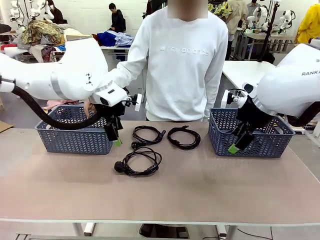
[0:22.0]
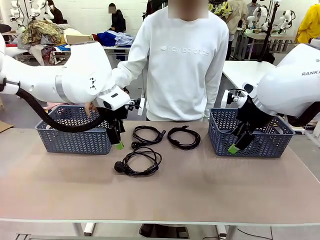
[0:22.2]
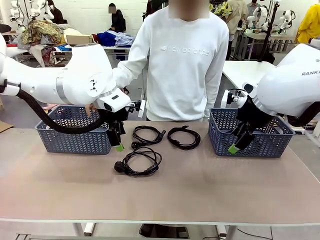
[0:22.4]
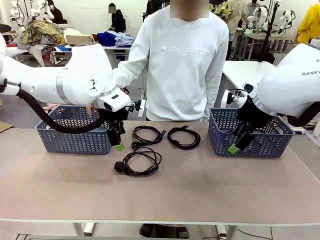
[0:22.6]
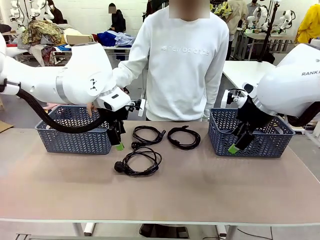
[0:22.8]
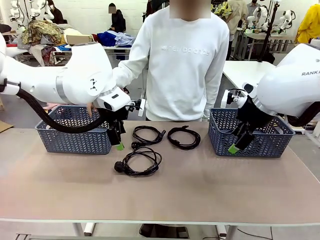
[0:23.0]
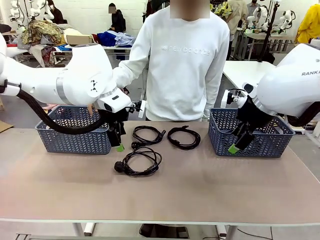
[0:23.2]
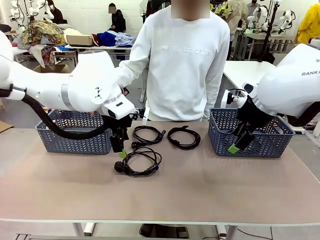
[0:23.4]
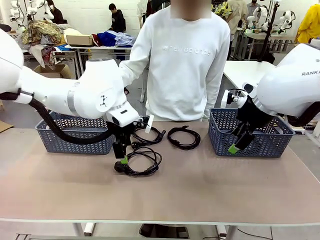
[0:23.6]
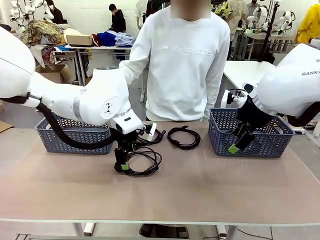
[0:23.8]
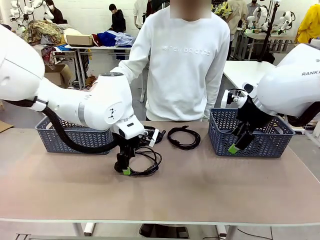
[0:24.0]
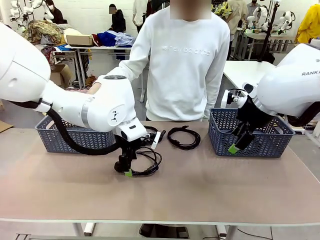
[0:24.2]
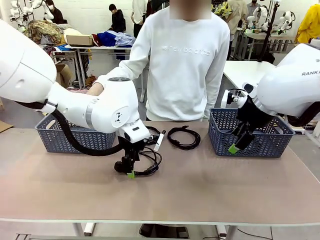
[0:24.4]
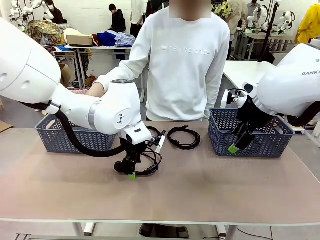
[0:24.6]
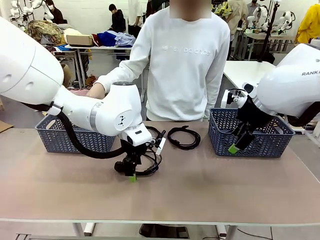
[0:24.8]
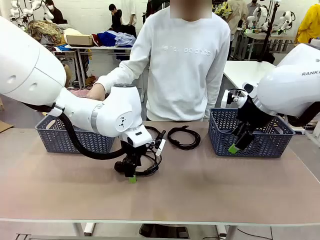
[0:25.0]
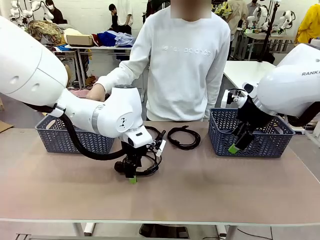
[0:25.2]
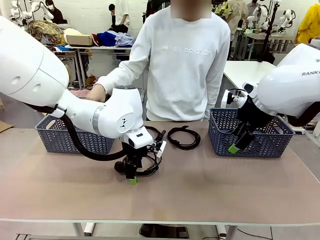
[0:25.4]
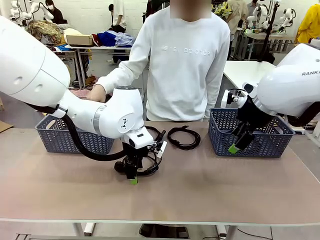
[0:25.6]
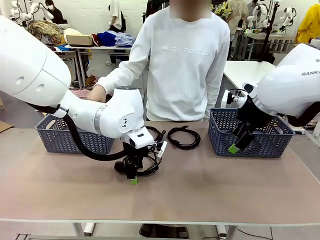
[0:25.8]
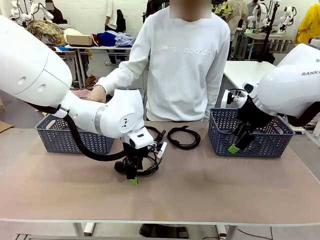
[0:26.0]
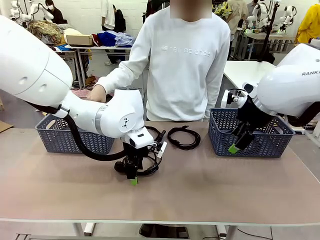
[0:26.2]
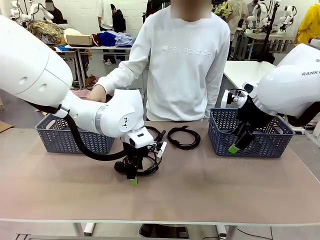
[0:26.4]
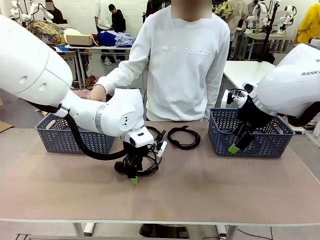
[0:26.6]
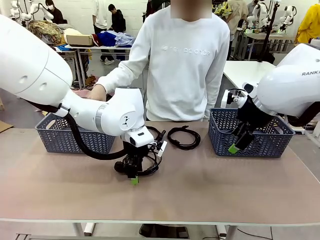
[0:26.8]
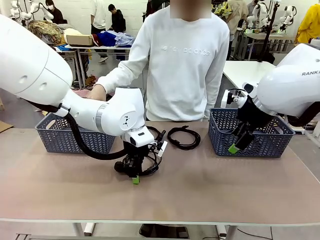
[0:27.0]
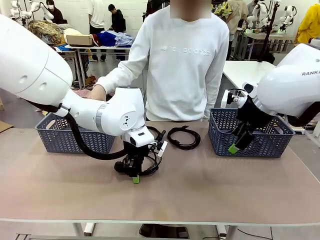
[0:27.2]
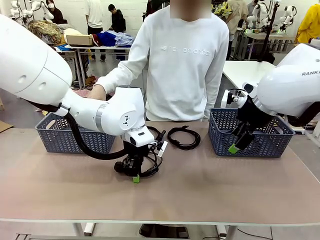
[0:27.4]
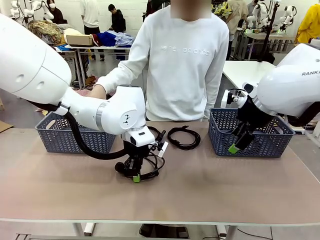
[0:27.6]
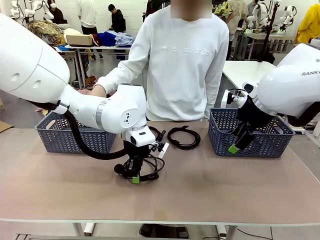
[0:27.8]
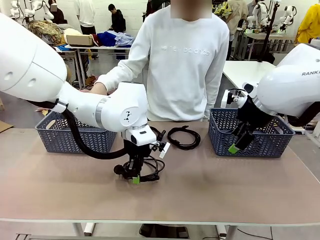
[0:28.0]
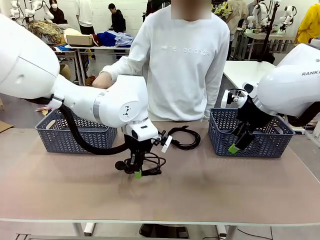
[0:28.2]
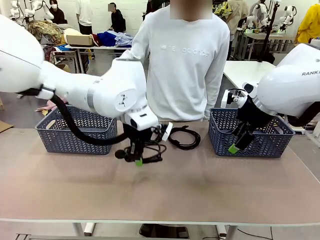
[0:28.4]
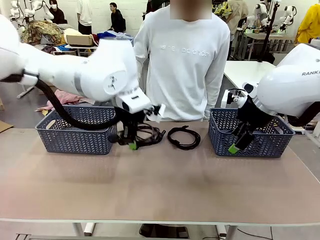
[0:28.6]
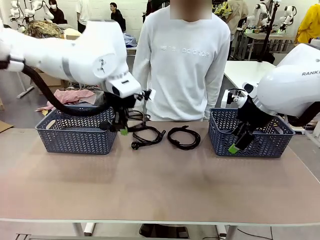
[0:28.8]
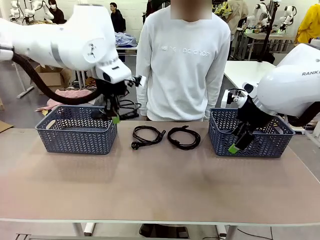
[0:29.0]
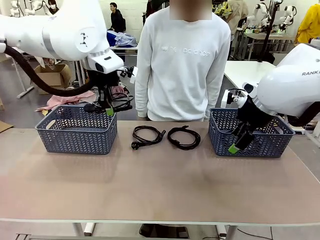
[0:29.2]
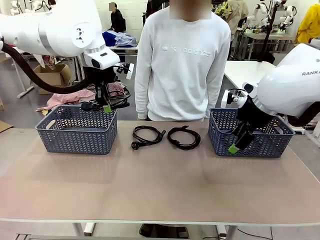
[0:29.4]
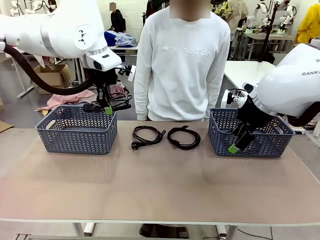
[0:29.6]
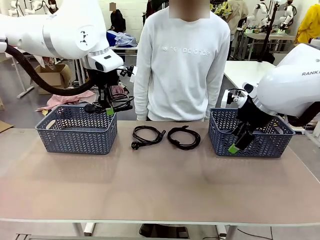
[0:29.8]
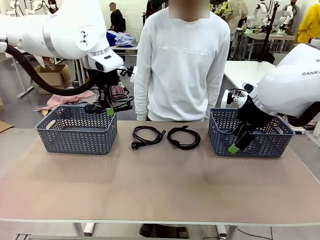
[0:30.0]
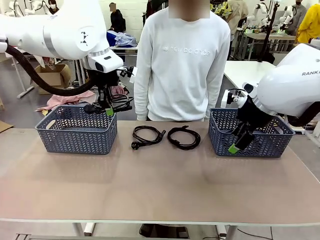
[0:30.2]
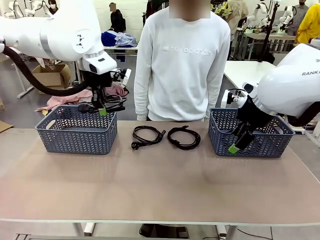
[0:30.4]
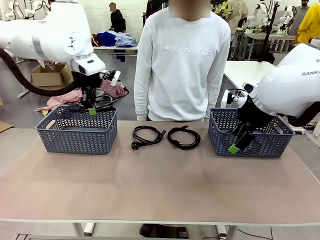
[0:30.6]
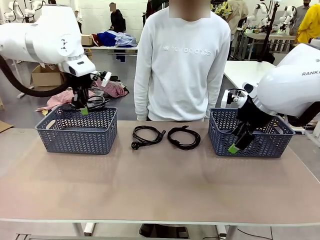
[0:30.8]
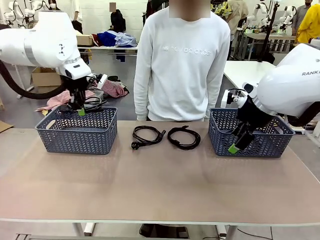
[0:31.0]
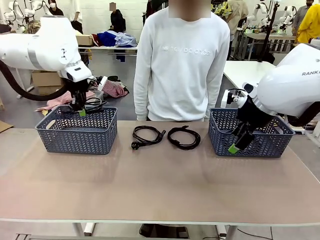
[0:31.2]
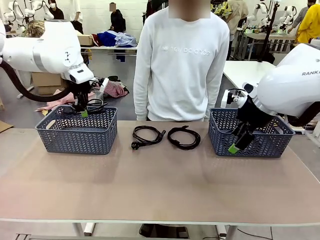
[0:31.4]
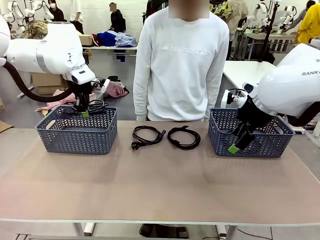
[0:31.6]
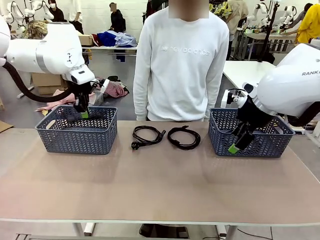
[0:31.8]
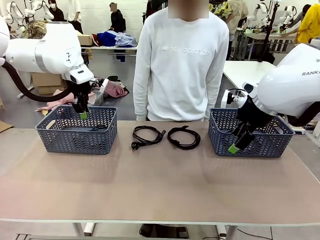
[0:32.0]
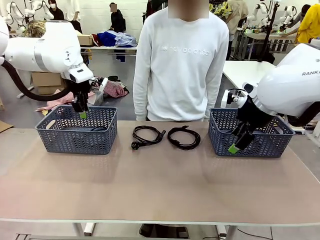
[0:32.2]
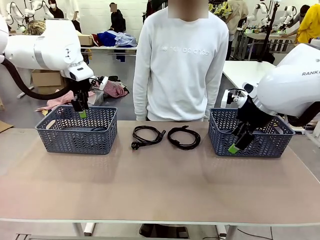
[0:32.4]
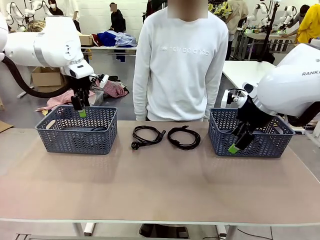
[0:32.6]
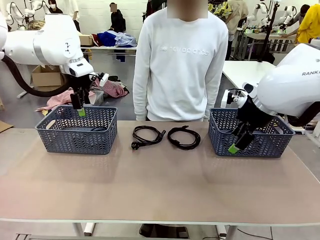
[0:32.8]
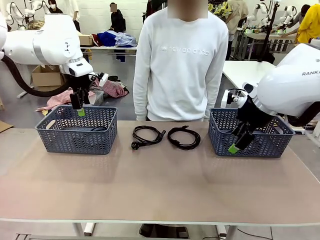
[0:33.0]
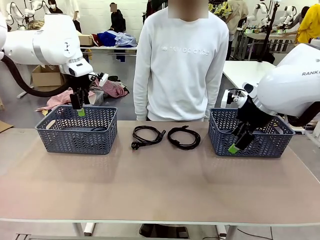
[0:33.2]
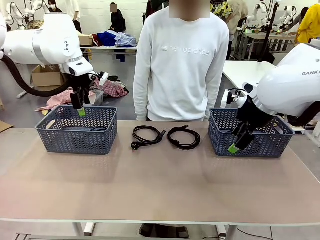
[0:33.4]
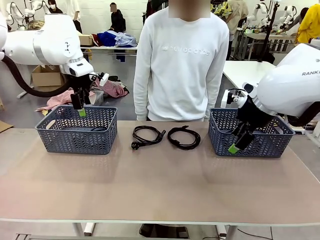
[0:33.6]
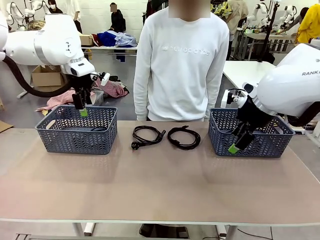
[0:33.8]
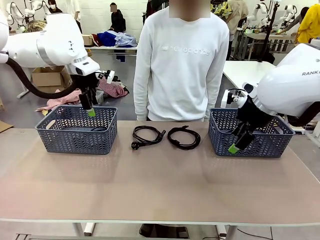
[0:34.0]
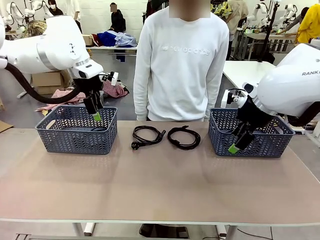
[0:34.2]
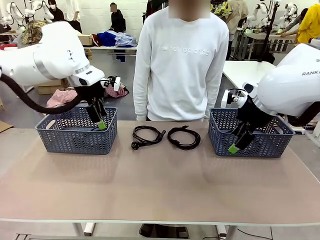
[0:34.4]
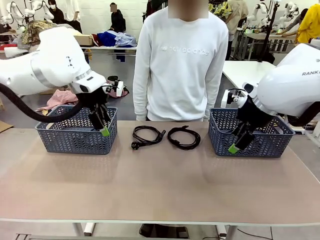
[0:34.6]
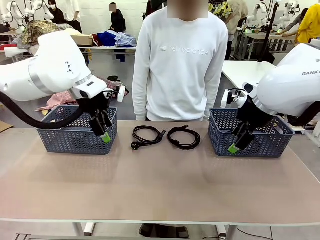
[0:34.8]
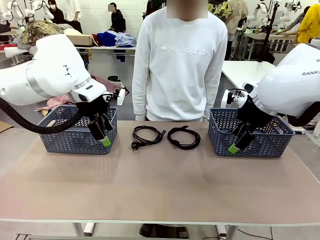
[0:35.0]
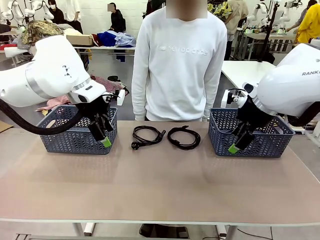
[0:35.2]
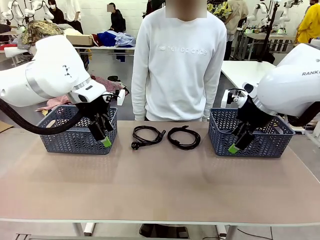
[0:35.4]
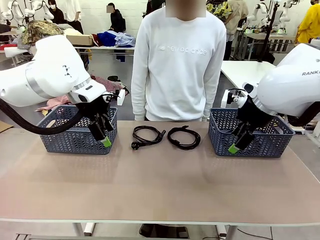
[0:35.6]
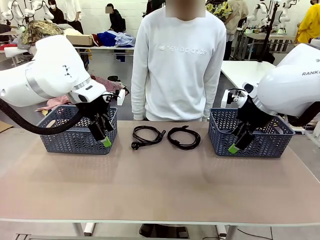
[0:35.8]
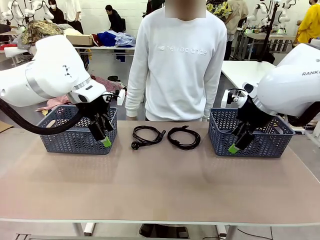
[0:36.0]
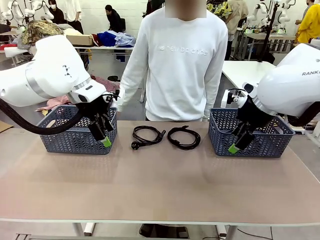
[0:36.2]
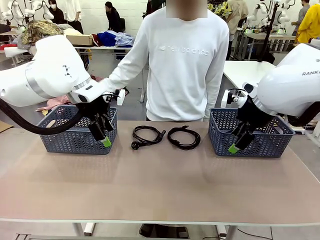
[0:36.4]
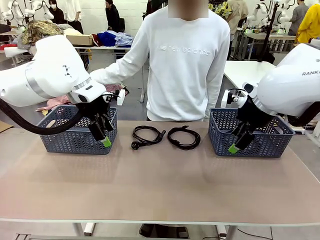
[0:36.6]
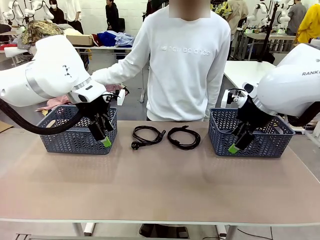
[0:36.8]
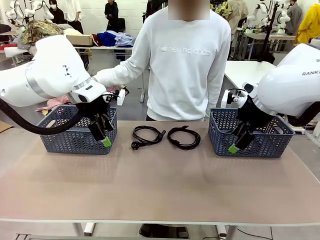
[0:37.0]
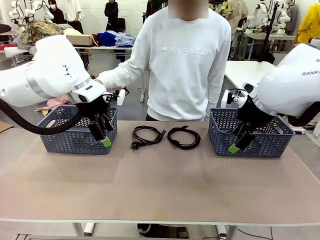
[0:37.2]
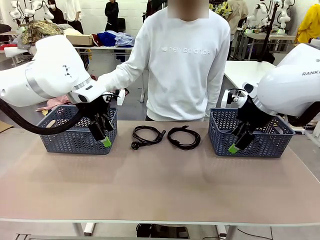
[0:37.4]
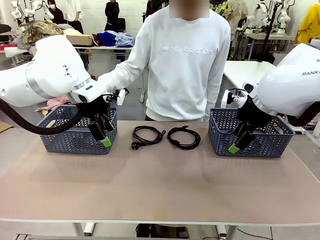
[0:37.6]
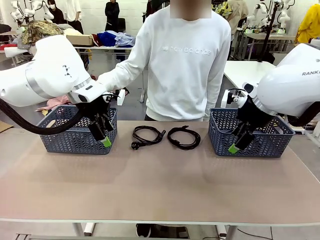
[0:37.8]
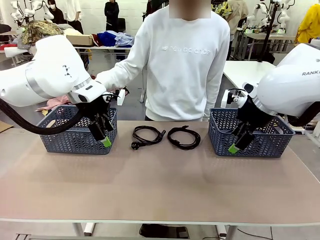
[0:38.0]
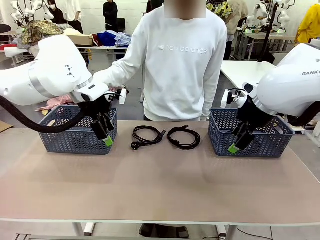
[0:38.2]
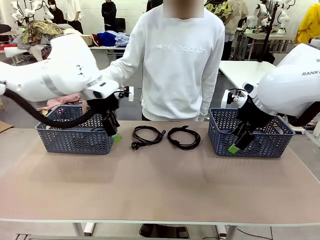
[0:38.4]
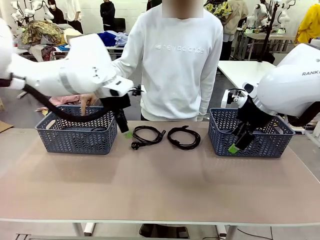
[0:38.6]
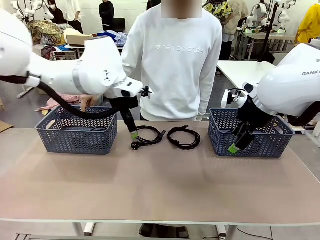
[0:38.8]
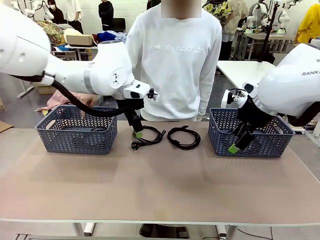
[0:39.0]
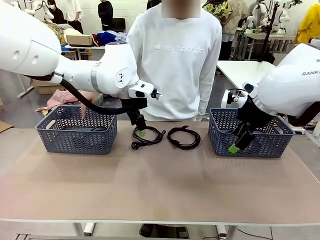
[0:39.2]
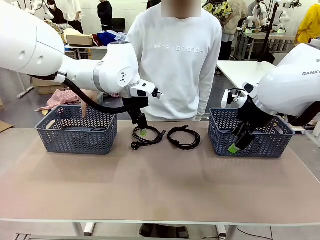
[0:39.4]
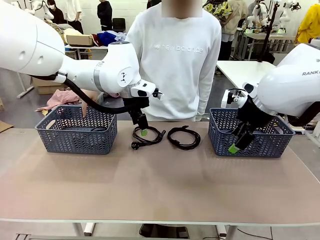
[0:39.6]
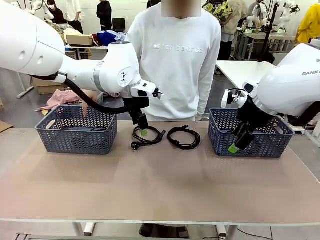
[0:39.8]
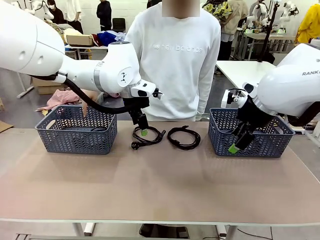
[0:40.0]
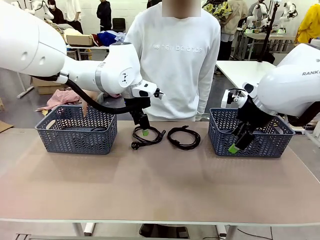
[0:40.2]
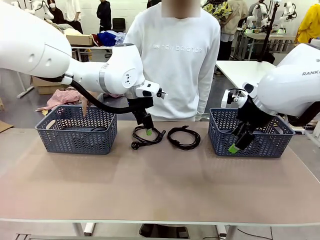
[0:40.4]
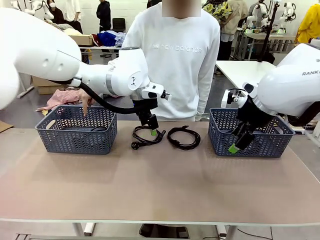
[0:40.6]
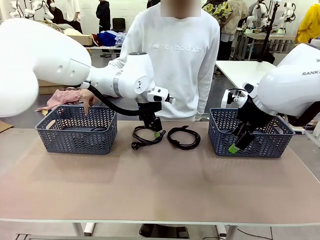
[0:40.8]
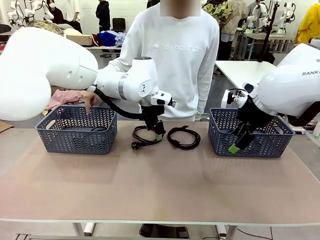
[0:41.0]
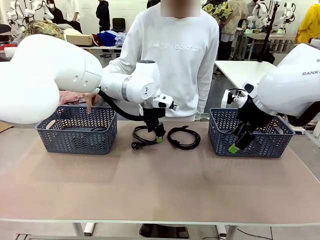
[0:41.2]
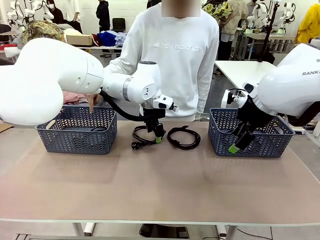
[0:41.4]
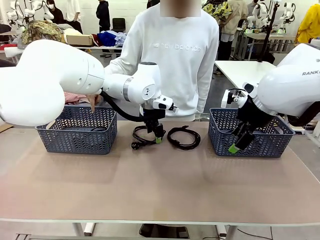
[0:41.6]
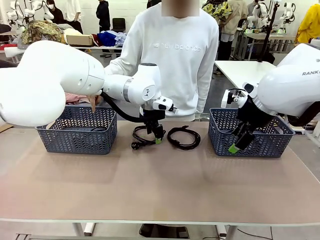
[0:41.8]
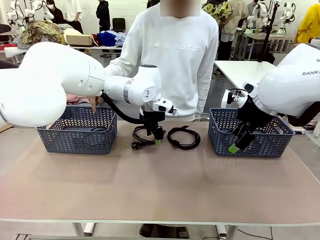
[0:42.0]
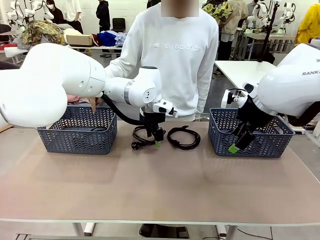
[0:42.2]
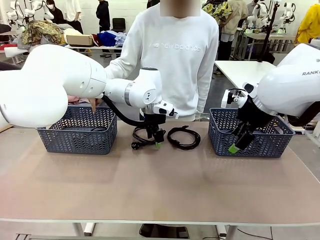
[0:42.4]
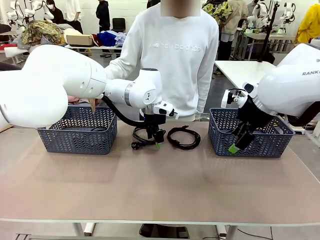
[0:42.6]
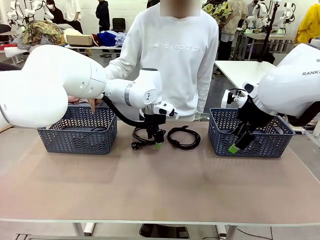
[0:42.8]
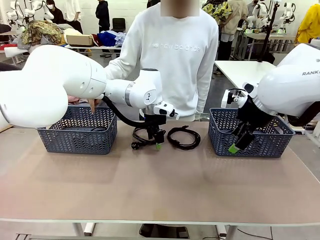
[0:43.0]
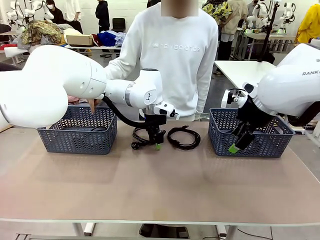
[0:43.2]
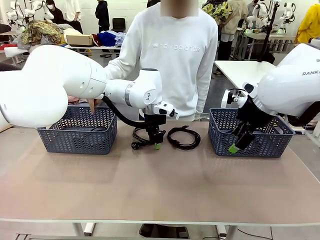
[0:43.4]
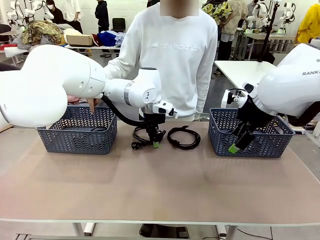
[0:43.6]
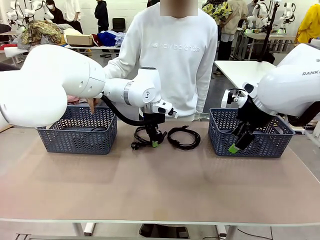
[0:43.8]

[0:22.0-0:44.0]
Task: Organize the cables according to human instructions.
Robot: Pick up a bundle of cables and place it in the basket indicated by the human.
